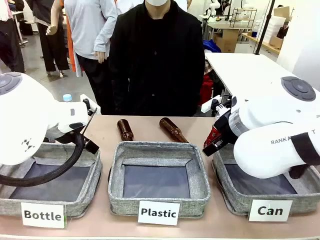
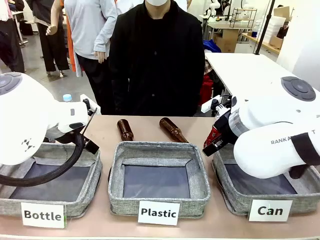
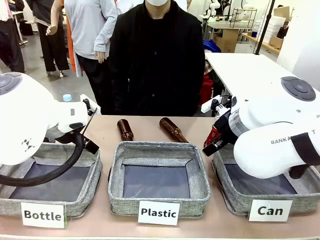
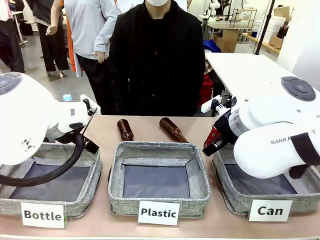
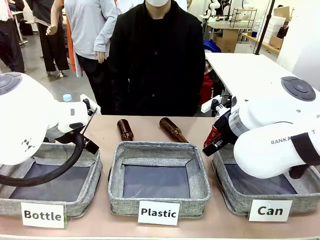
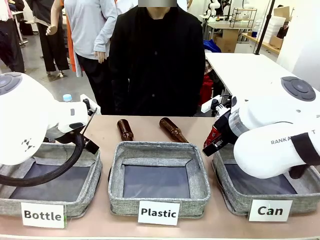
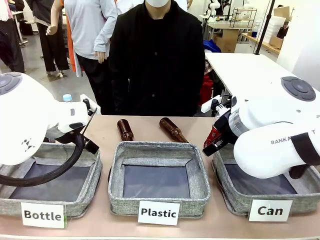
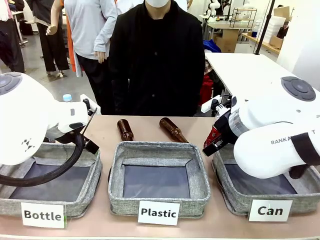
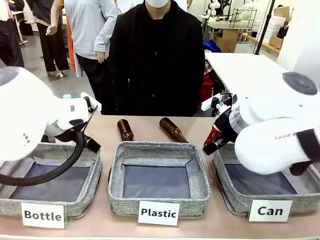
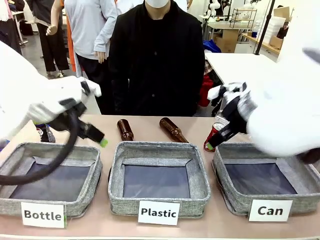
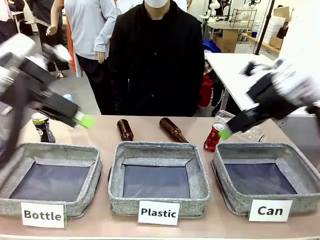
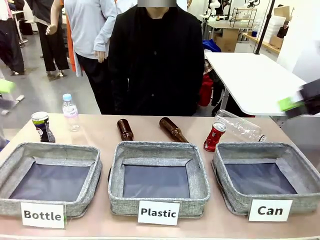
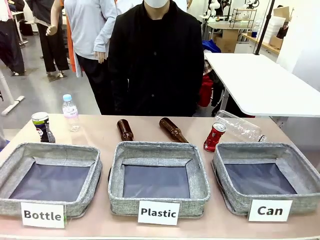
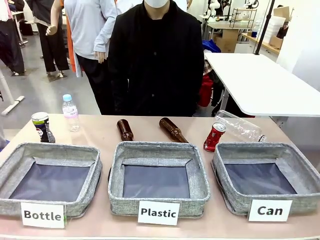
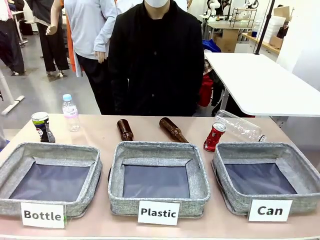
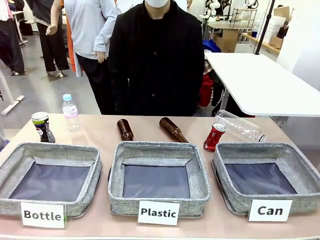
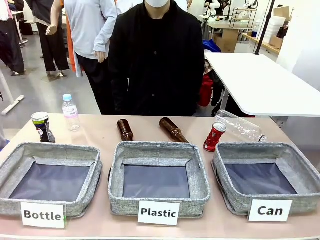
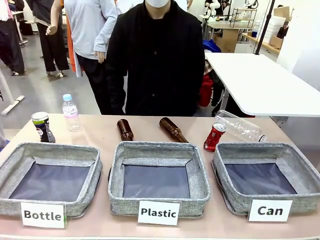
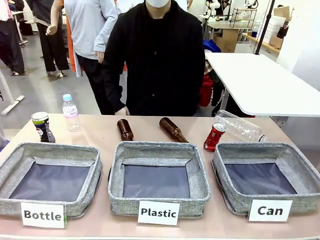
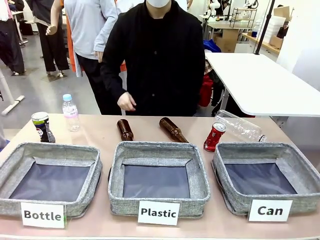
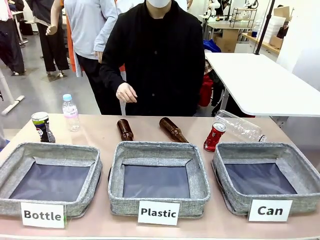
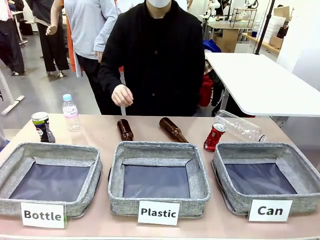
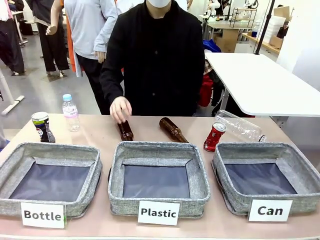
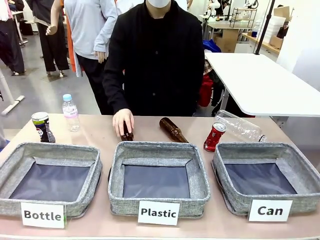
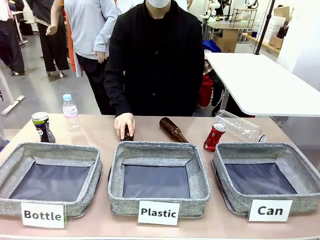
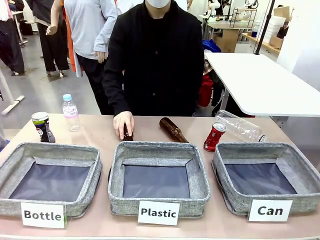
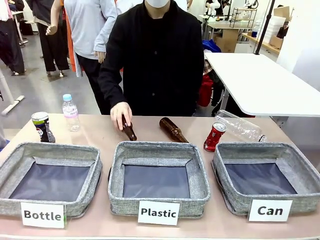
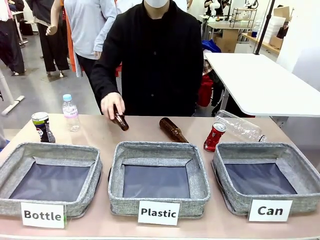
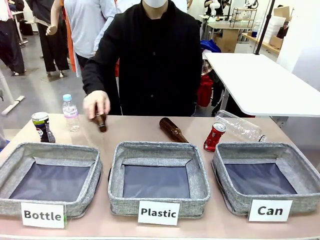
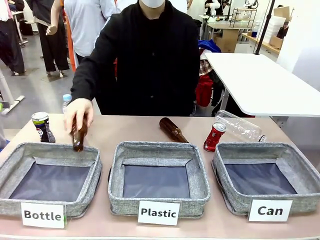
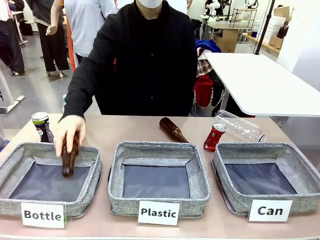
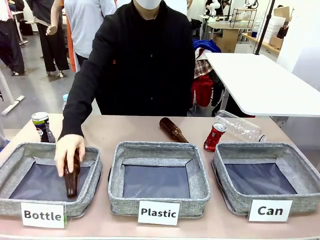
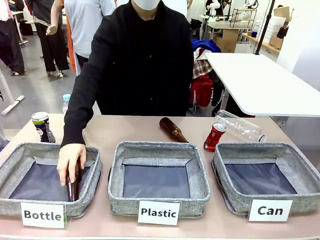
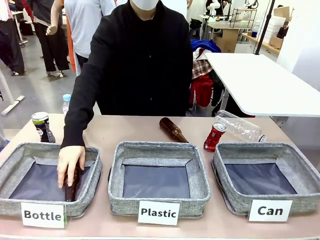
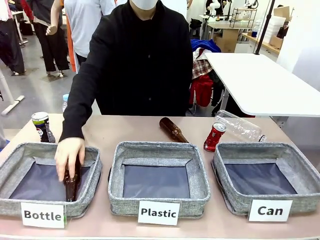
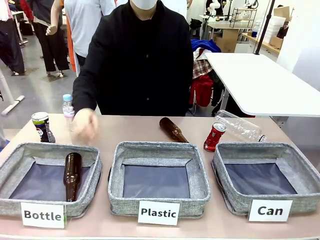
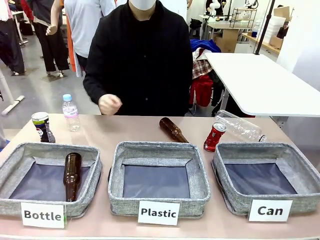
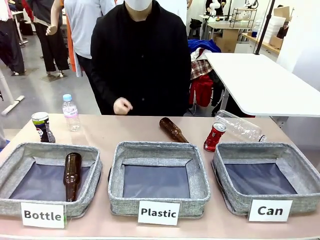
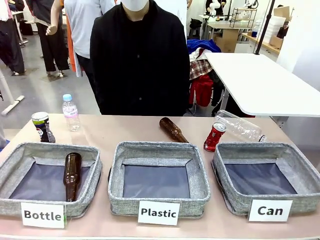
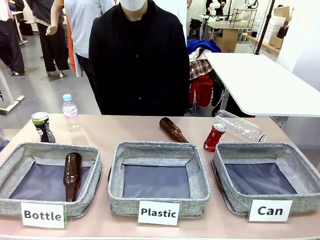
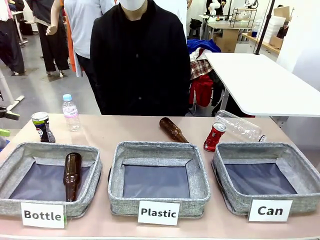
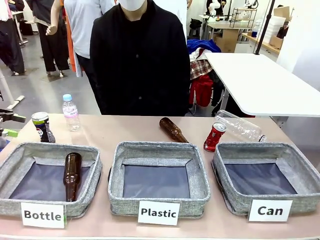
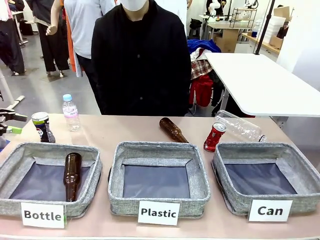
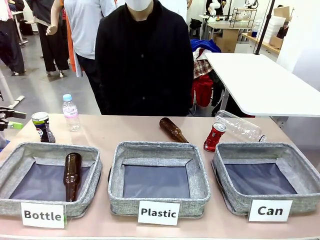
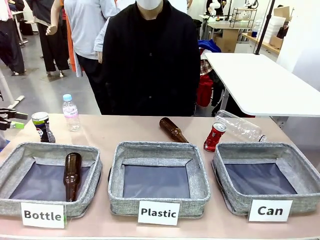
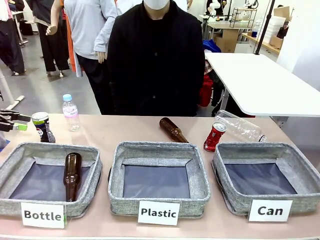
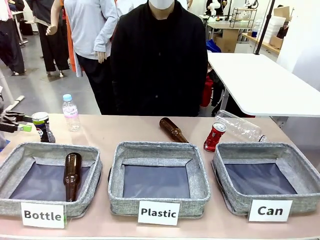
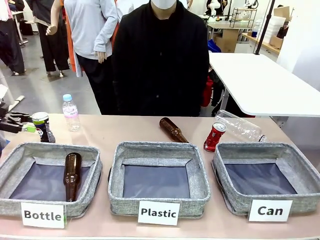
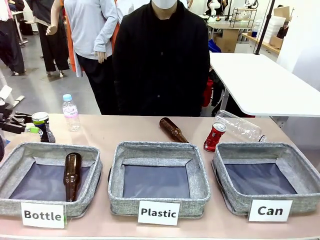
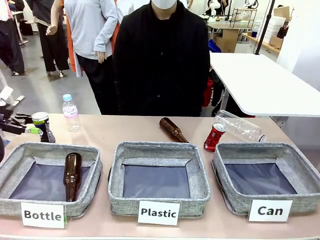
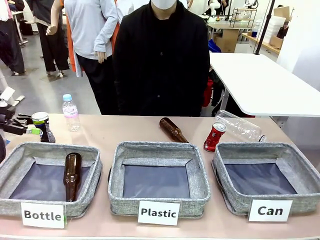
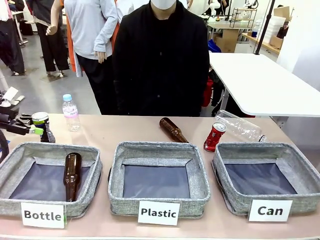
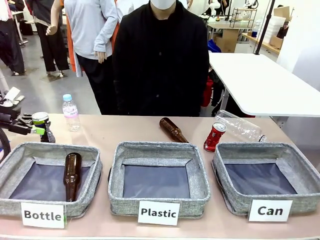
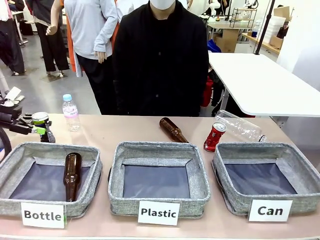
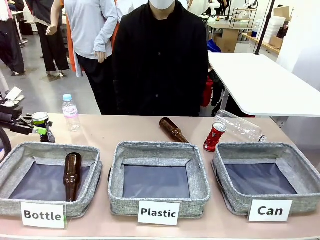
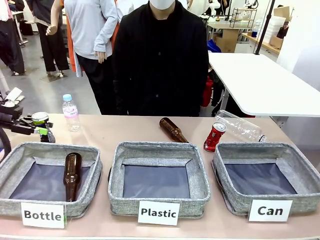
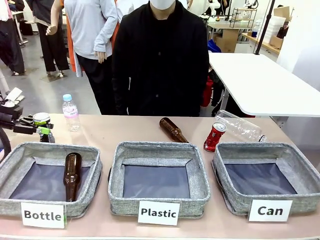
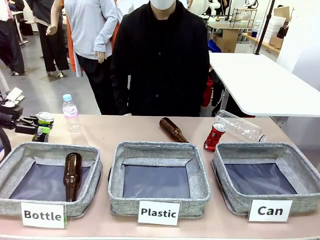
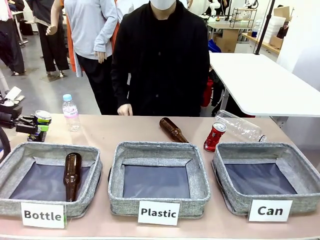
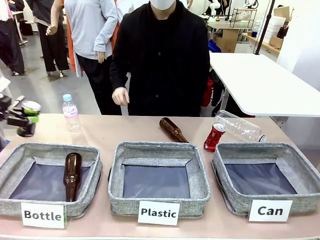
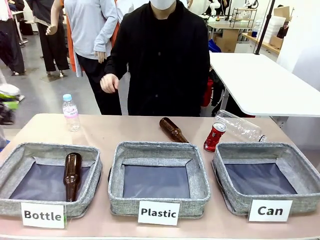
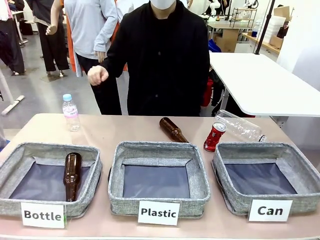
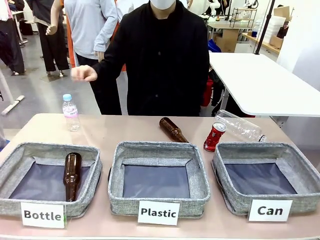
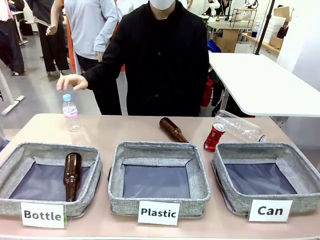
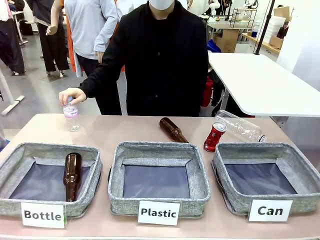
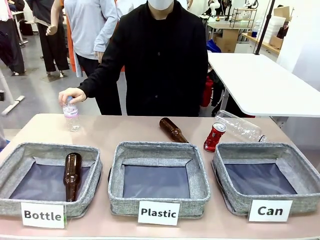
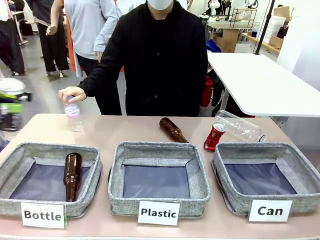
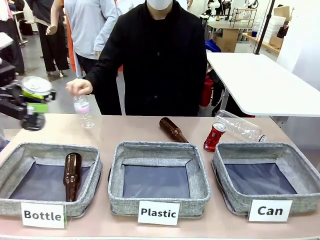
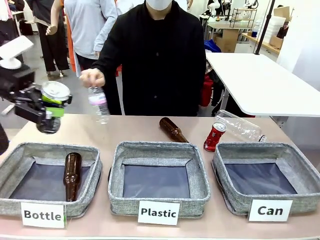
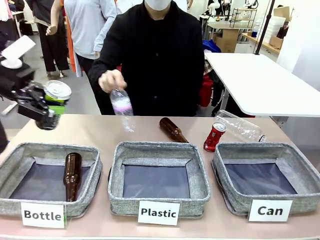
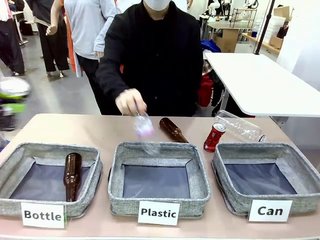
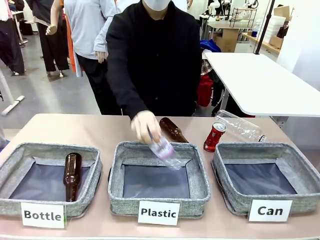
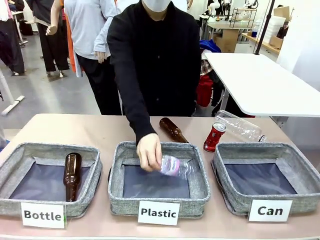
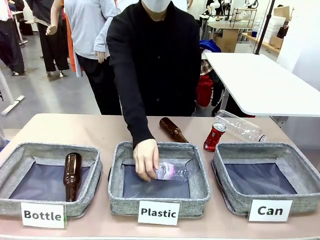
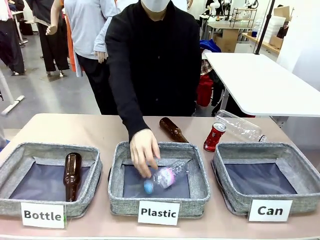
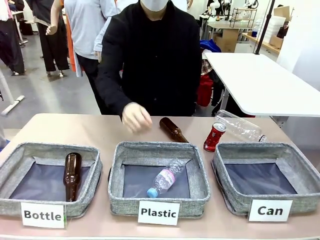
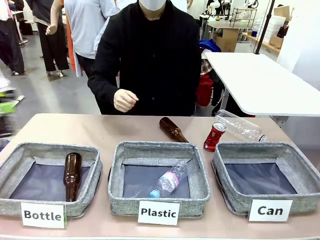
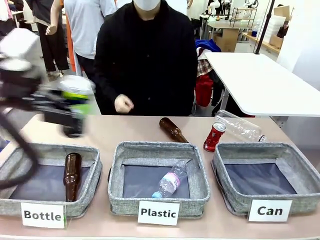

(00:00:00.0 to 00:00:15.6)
Task: Sort the can waste into the basket.
Robot: Pick up the can waste from the table and place it in the right Fabric basket.
